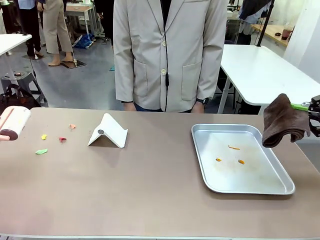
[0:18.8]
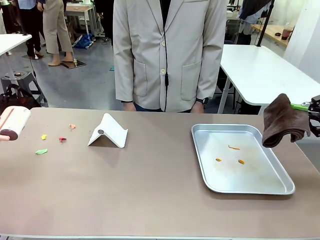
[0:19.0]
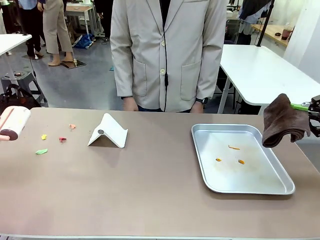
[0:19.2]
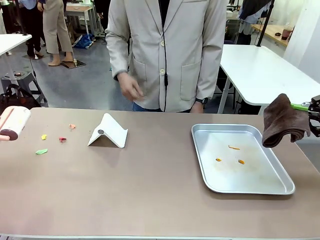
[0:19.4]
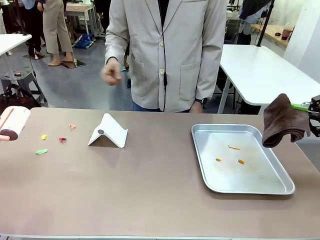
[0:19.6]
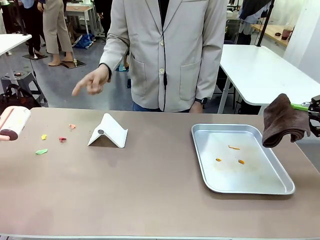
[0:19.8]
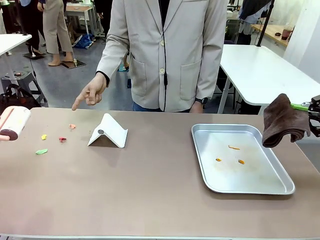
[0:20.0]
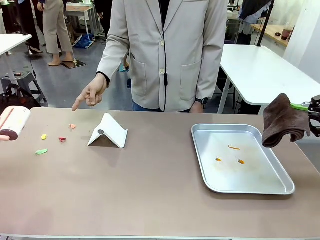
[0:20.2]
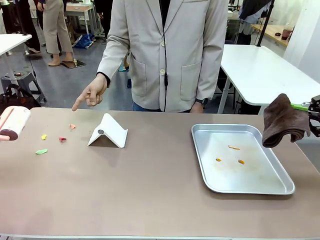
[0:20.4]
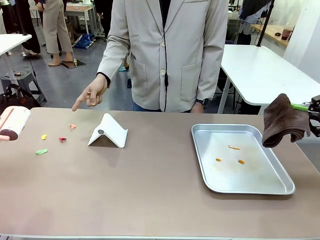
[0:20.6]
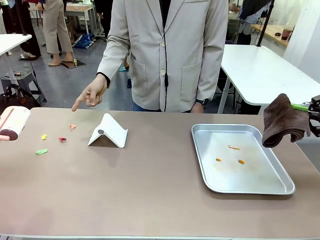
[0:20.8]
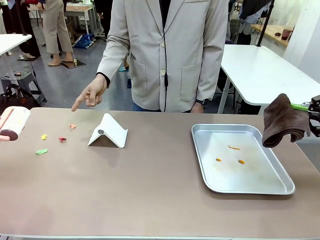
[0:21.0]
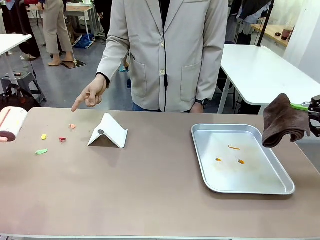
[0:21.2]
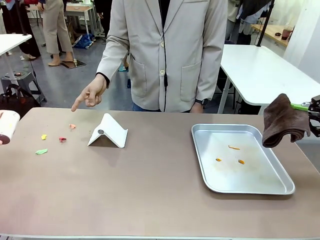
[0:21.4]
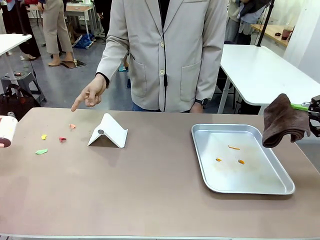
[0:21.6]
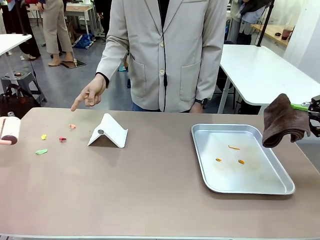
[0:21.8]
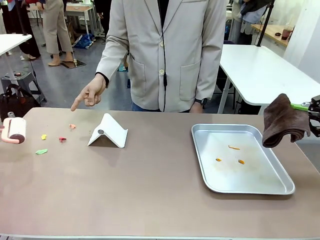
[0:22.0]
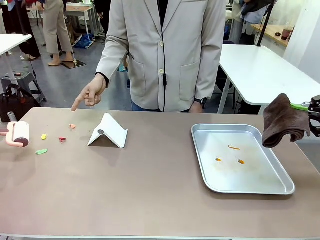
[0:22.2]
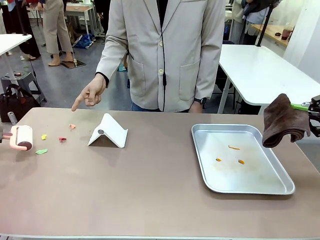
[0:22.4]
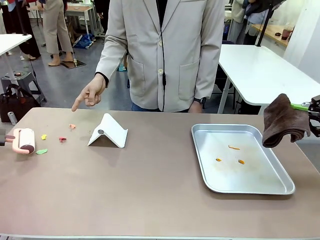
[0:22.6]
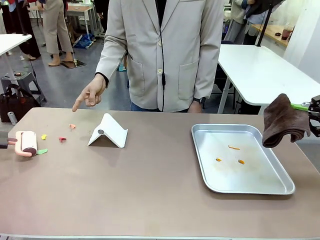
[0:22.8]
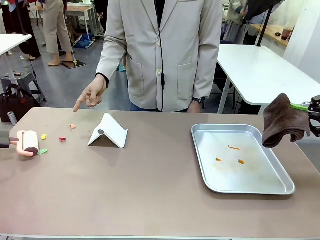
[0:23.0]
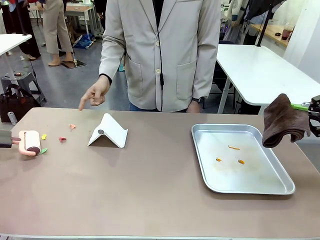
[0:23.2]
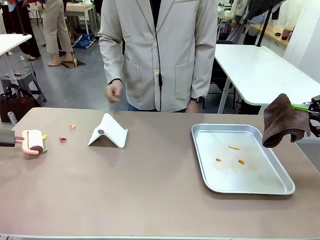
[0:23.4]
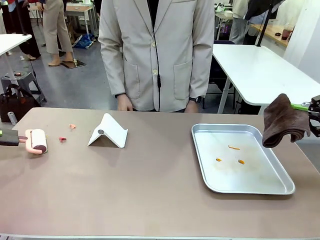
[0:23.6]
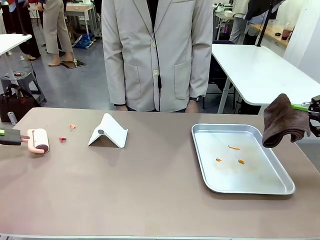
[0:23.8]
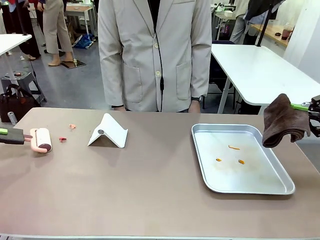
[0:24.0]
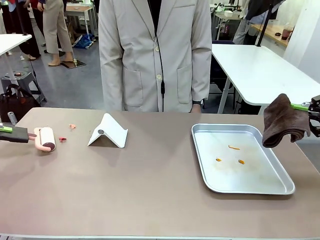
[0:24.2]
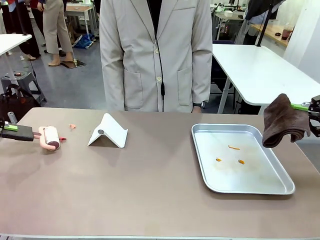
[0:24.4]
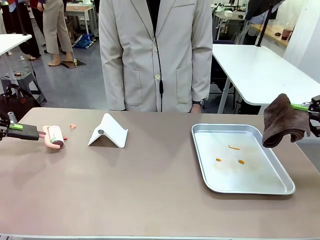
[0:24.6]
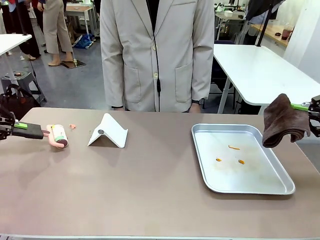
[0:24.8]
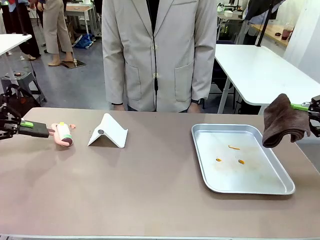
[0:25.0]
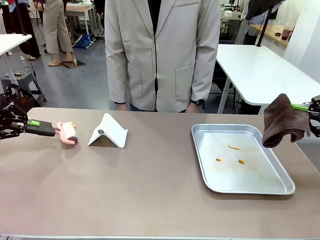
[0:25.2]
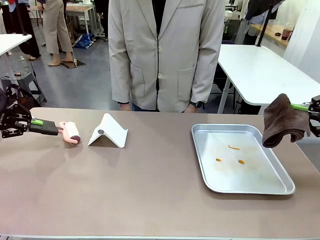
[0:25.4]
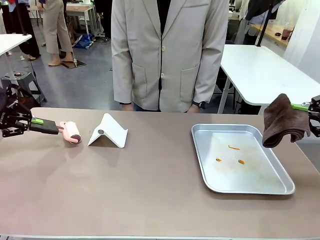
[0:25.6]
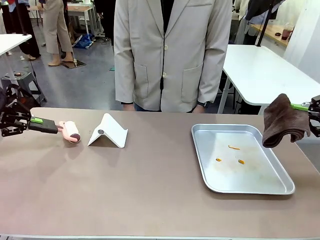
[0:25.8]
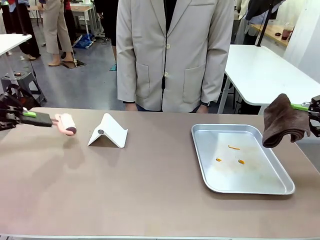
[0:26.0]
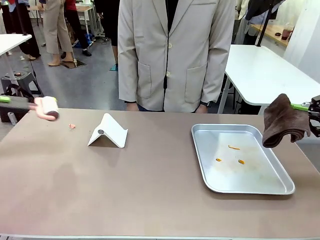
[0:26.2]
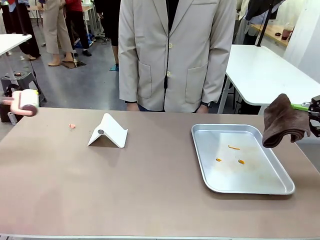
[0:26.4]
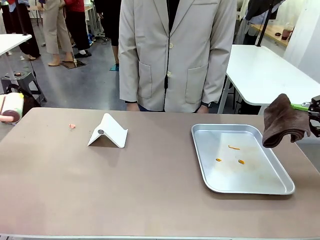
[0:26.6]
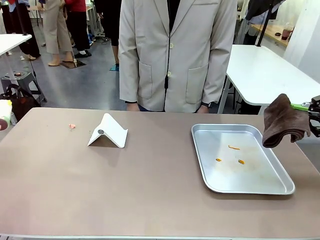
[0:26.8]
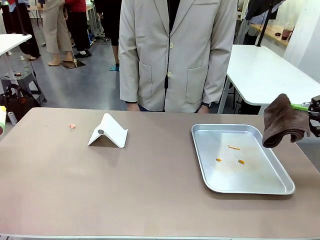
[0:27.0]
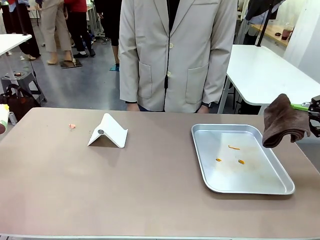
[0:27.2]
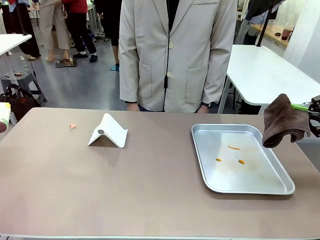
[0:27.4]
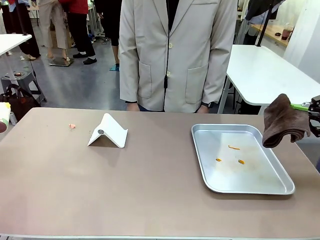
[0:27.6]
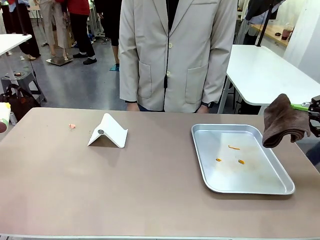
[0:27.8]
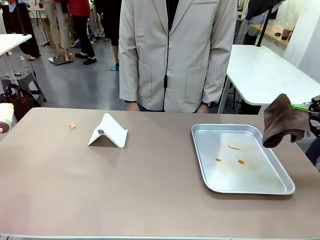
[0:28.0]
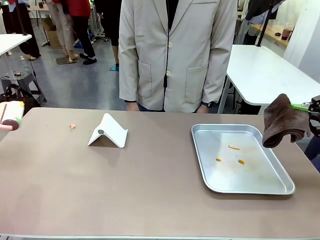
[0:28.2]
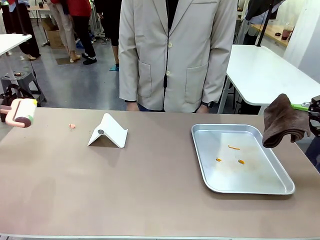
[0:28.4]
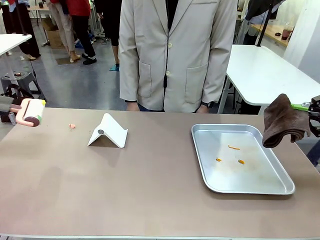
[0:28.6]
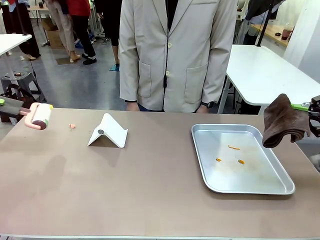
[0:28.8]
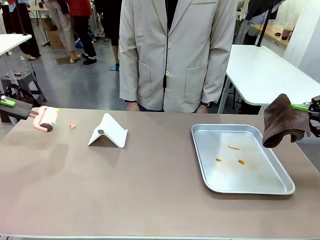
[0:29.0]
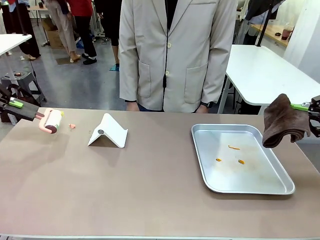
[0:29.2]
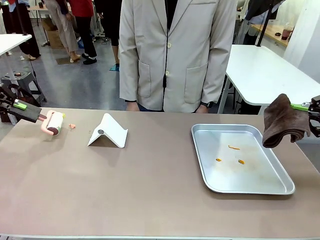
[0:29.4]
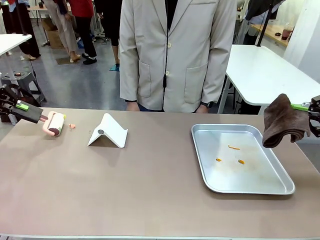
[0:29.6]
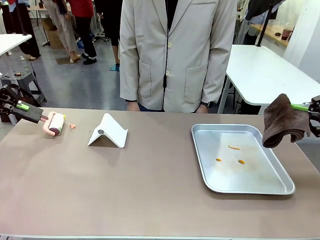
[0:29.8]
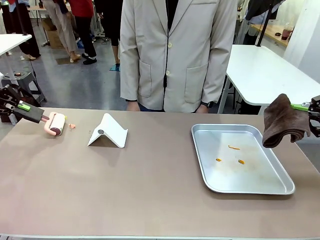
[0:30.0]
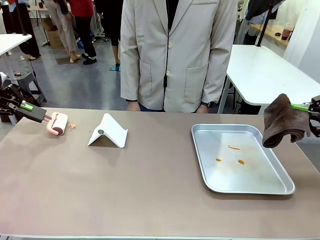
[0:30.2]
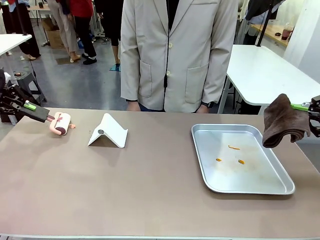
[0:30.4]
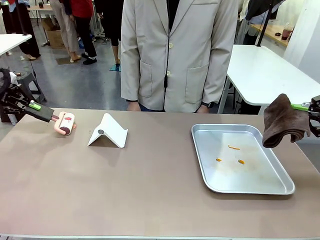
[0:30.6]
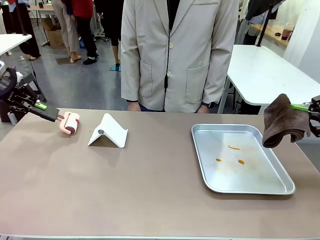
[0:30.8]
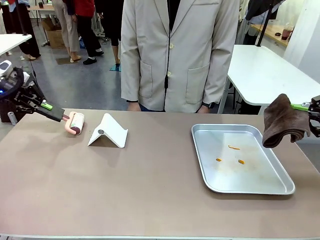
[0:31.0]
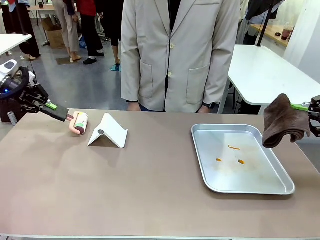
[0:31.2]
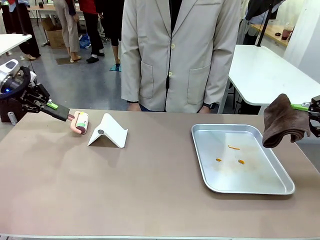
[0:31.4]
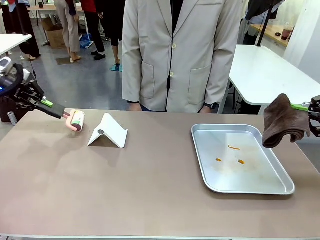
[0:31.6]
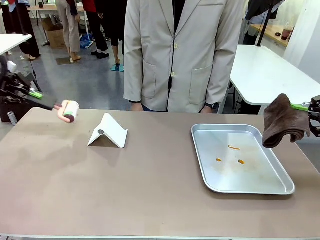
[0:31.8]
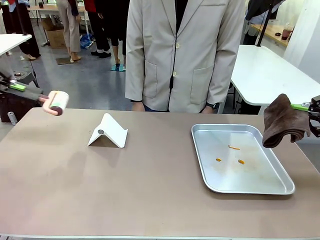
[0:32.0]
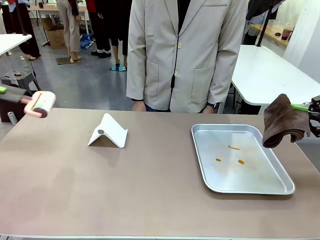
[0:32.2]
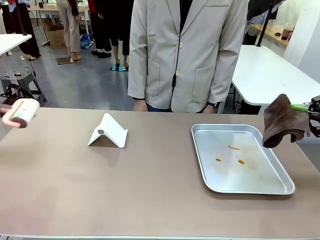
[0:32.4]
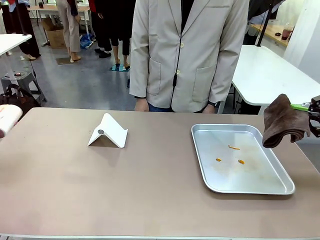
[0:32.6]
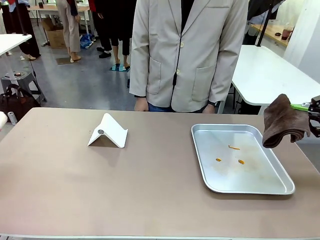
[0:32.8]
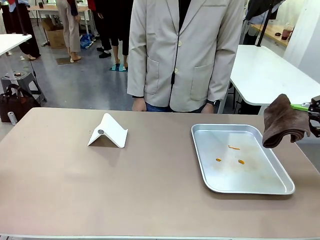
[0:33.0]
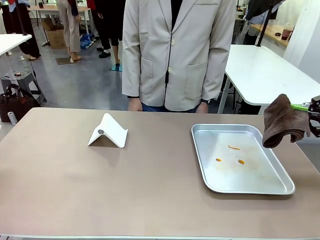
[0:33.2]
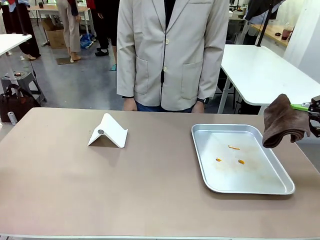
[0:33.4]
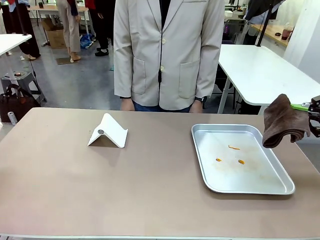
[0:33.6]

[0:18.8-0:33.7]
Task: Clean the surface of the table.
Robot: If a person points to the right, clean the right side of the table with your right hand, and if they point to the left, clean the left side with your left hand.

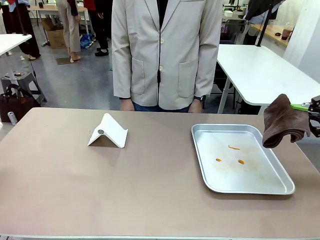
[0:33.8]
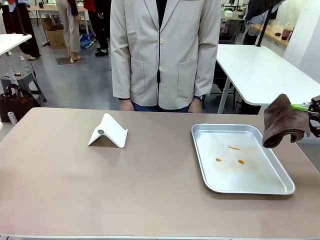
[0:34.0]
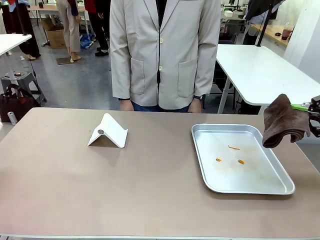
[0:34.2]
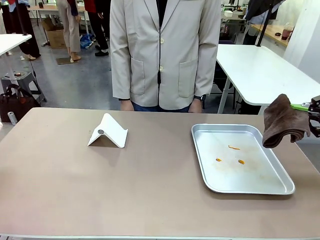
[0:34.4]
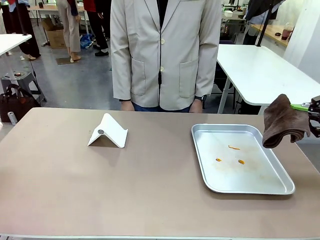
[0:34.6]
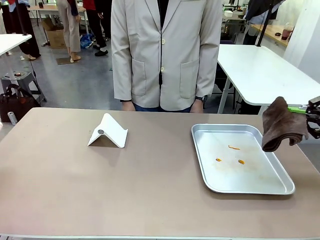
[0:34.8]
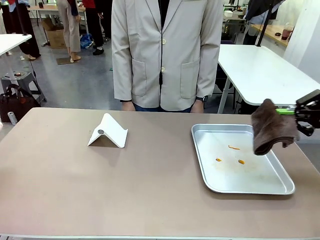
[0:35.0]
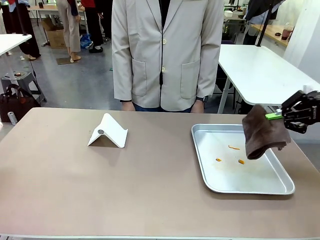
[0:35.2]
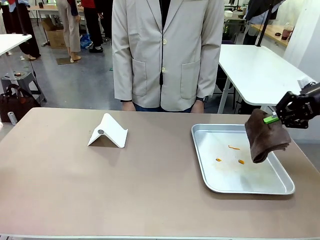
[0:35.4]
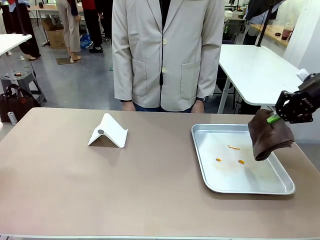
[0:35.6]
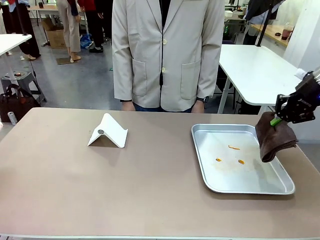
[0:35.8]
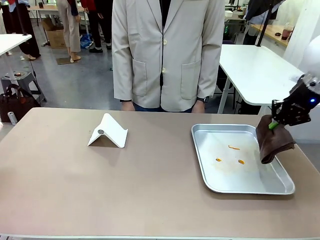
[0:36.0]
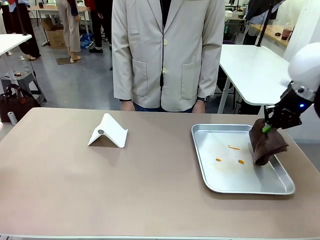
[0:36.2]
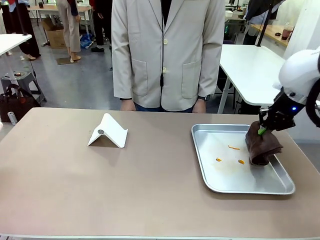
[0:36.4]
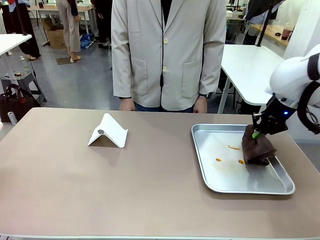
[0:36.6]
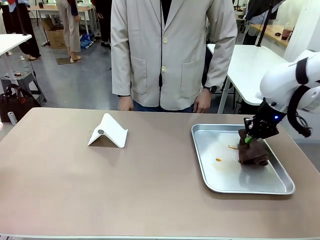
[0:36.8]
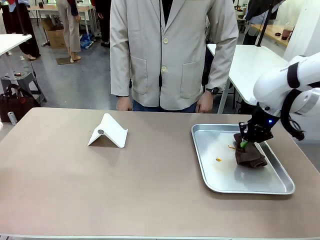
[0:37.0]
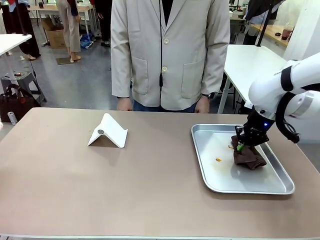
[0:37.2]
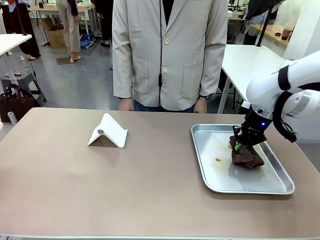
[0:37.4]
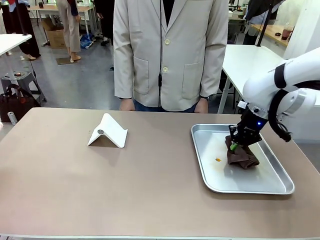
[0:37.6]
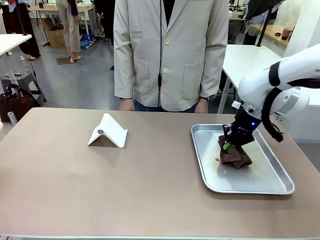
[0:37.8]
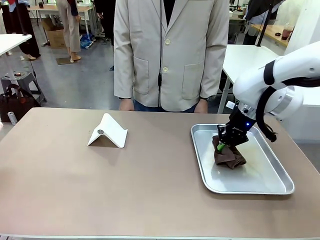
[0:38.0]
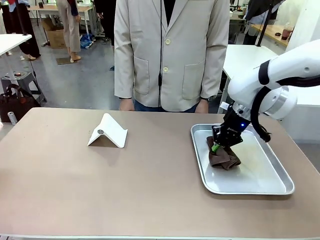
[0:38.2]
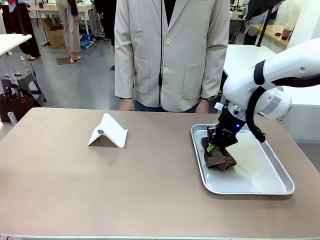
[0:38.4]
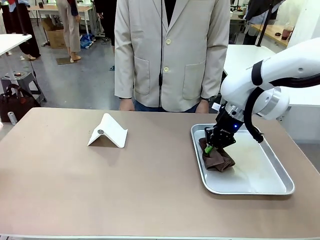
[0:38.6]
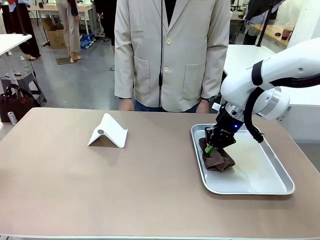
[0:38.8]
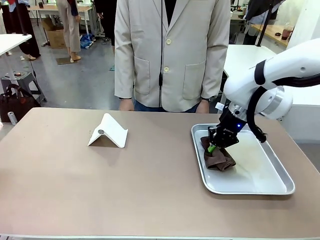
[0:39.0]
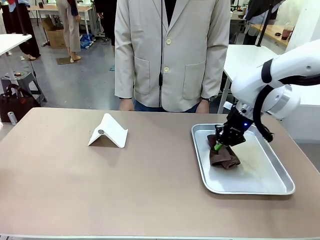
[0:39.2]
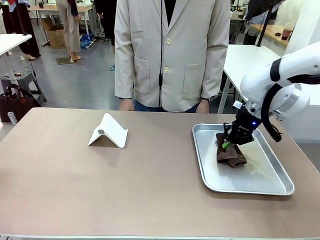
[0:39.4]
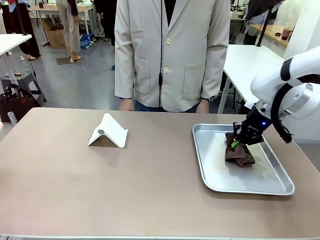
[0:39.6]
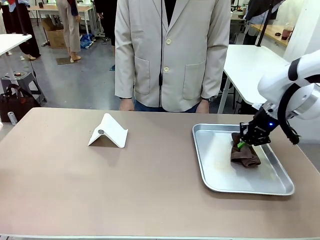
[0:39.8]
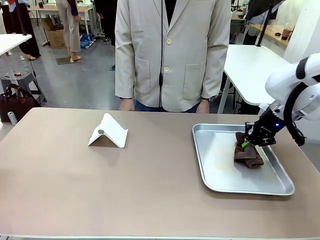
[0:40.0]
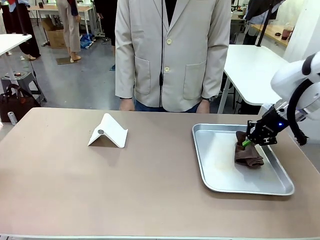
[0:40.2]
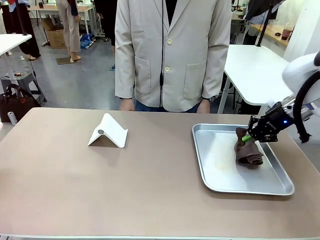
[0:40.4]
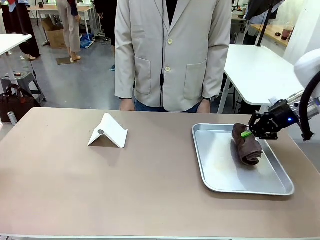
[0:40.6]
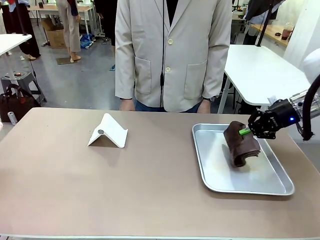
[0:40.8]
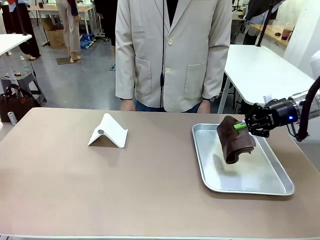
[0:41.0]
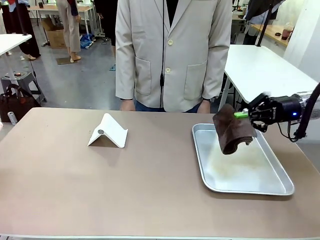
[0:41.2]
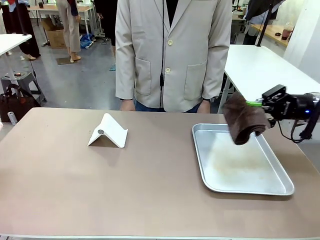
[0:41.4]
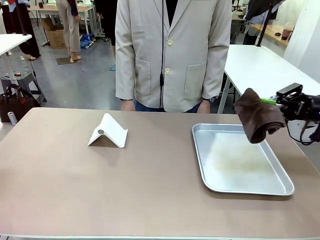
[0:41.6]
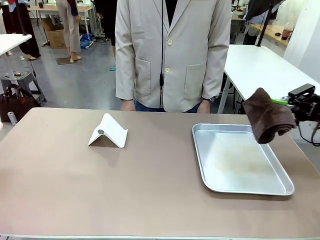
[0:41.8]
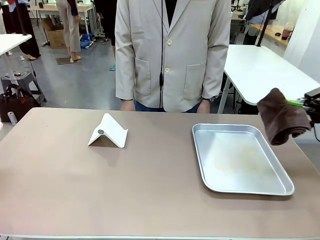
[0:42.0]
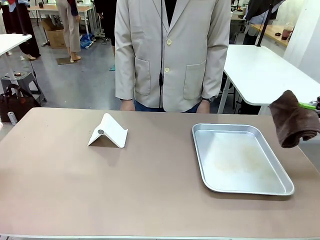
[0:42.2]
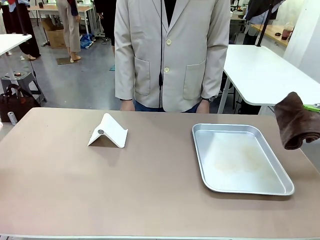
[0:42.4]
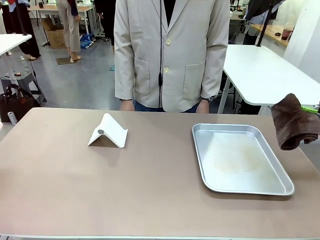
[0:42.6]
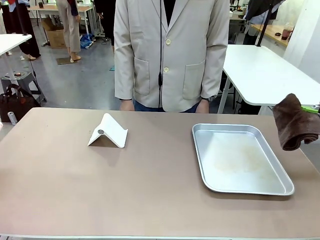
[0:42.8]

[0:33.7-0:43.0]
Robot: Clean the area not pointed to by the person.
